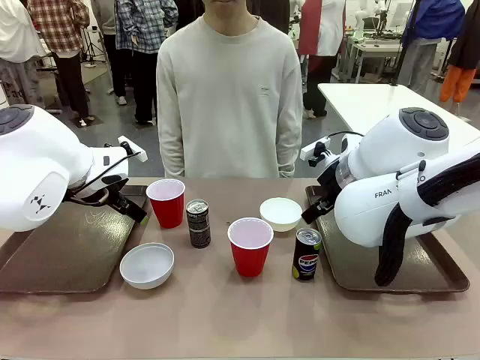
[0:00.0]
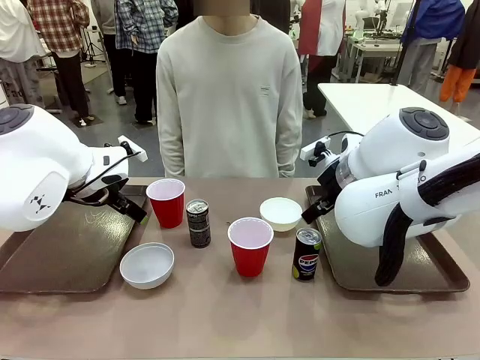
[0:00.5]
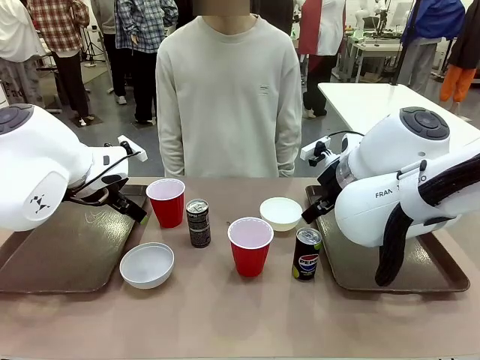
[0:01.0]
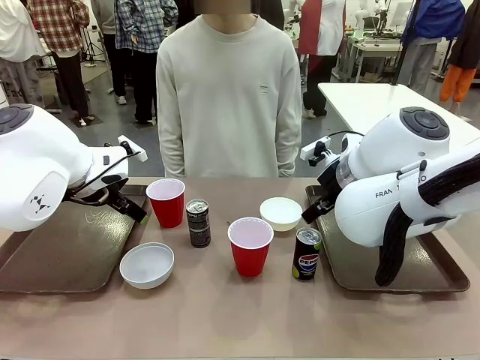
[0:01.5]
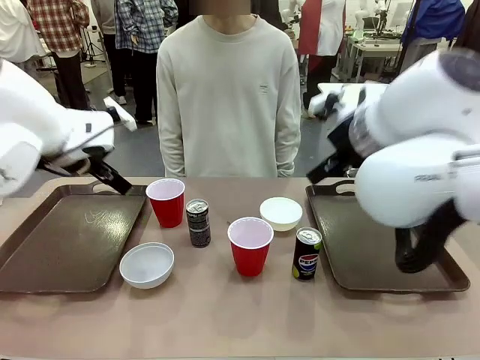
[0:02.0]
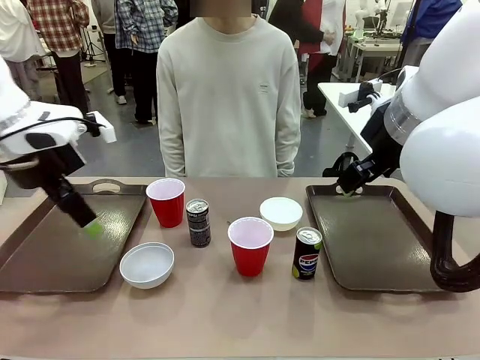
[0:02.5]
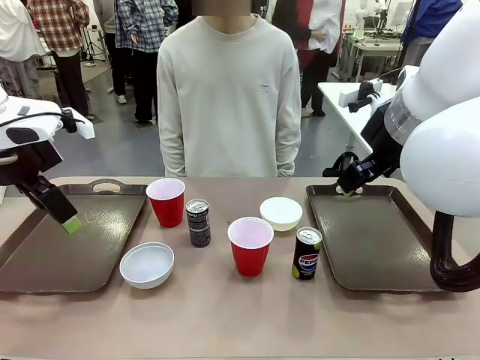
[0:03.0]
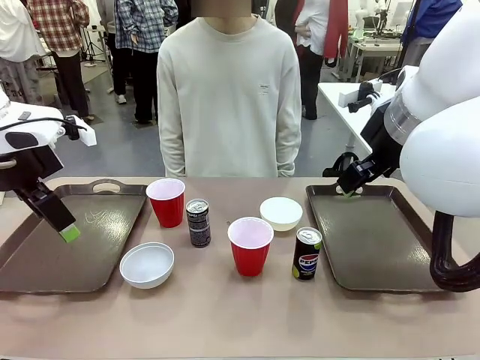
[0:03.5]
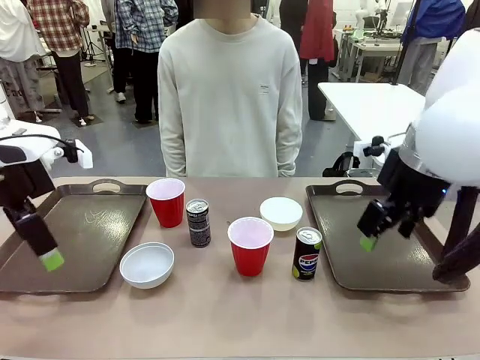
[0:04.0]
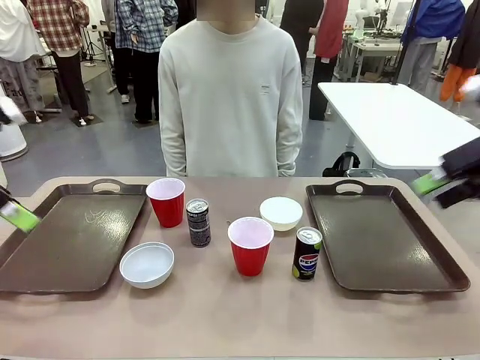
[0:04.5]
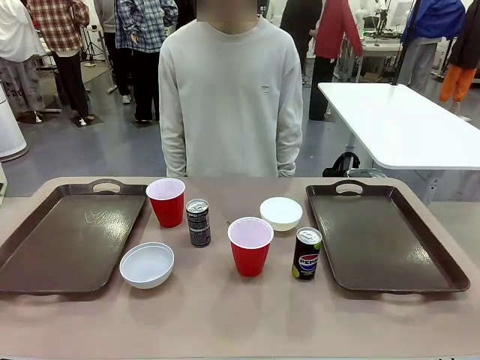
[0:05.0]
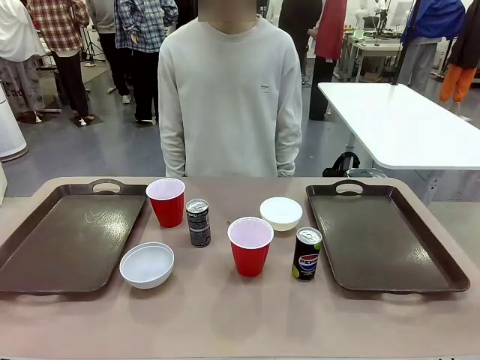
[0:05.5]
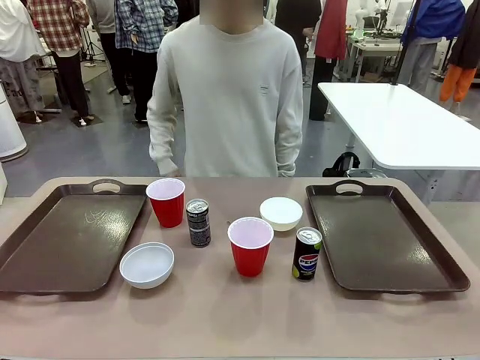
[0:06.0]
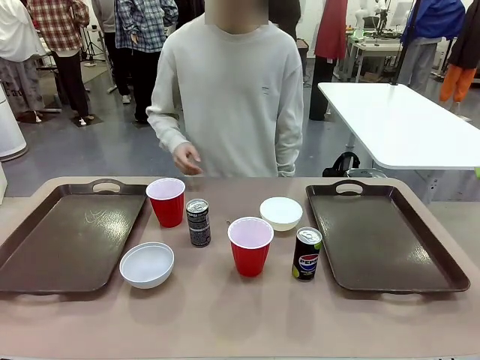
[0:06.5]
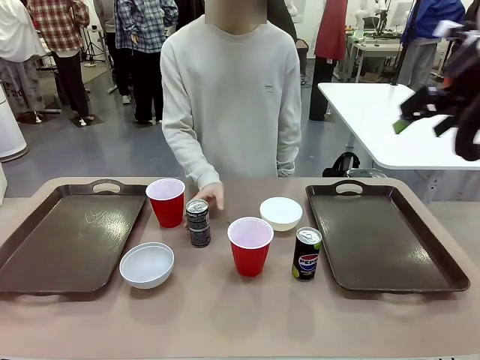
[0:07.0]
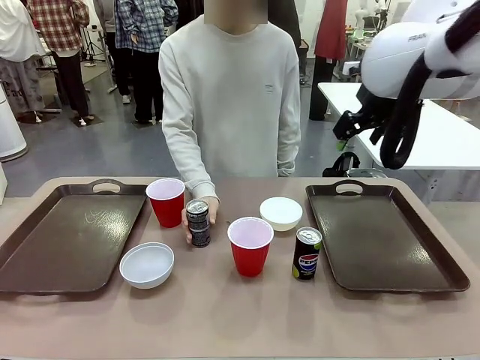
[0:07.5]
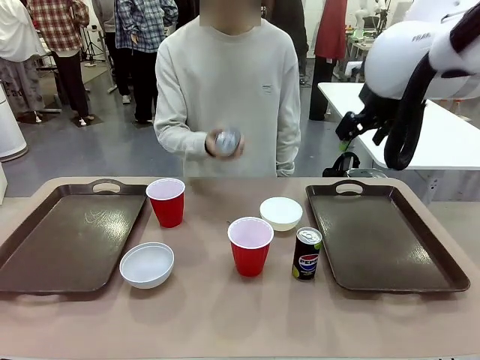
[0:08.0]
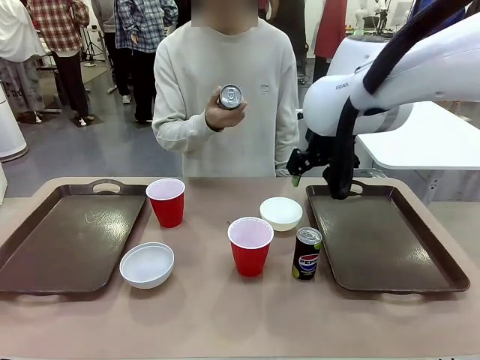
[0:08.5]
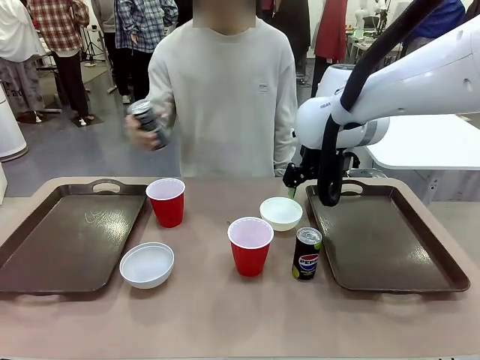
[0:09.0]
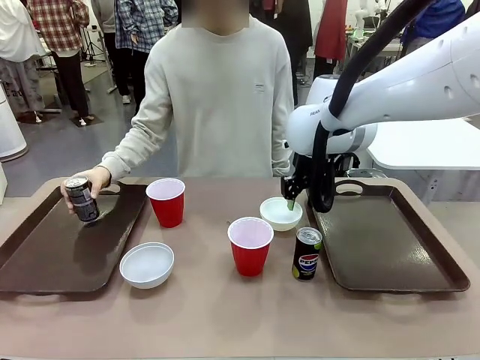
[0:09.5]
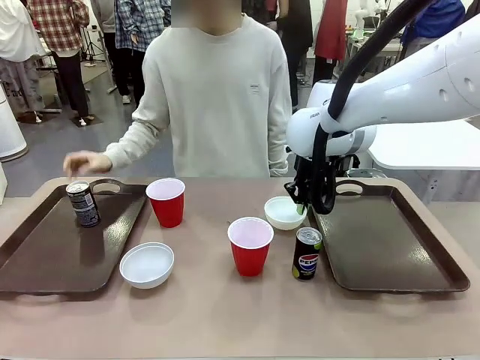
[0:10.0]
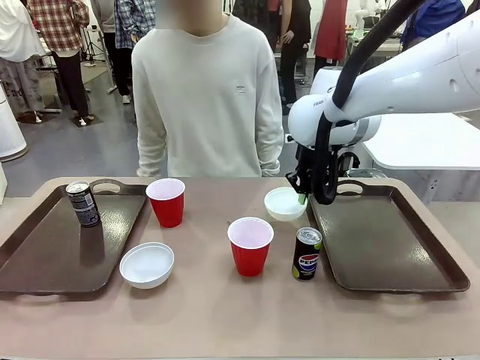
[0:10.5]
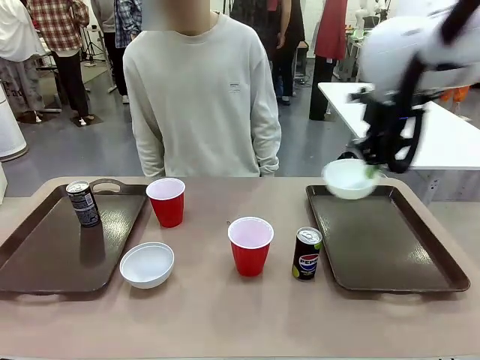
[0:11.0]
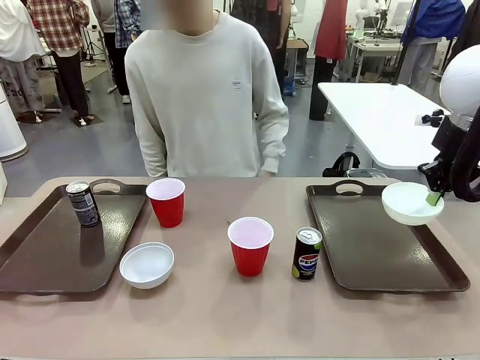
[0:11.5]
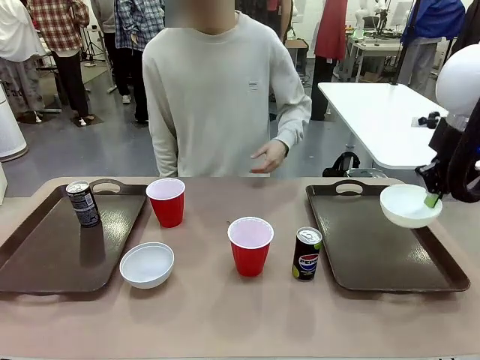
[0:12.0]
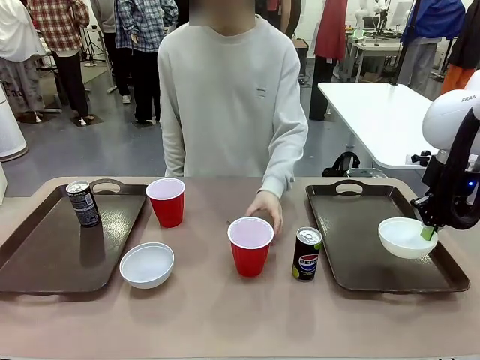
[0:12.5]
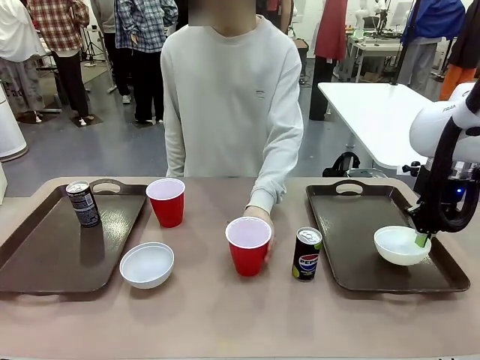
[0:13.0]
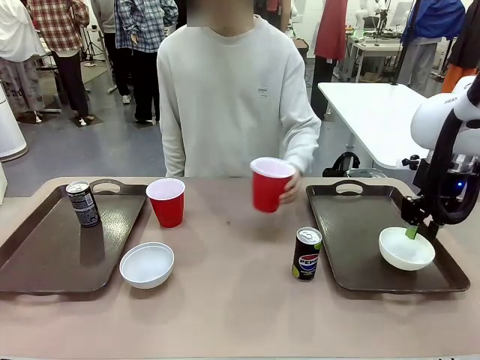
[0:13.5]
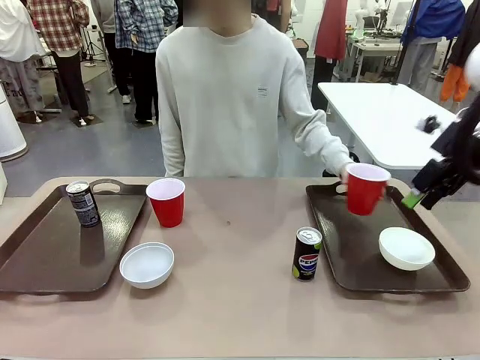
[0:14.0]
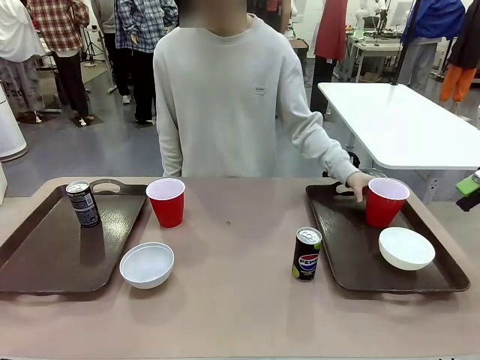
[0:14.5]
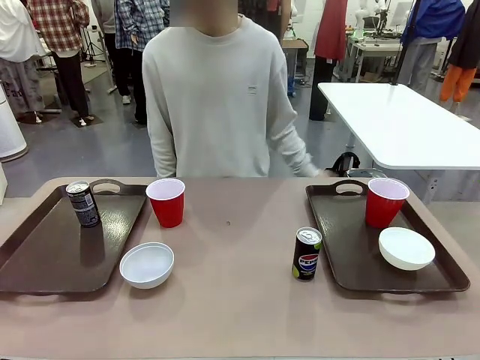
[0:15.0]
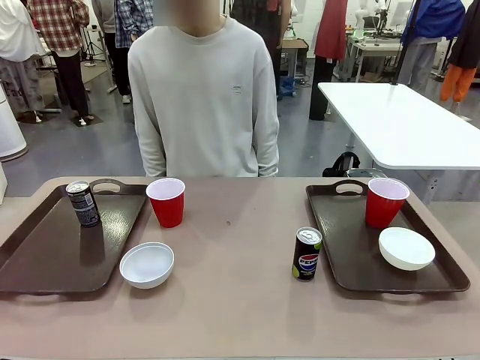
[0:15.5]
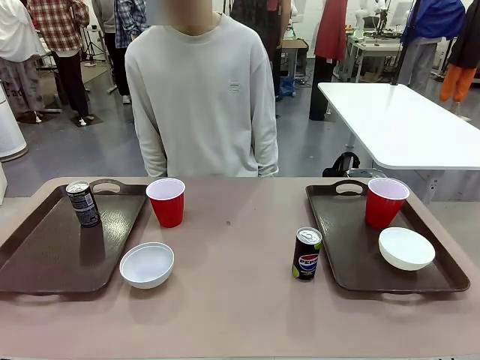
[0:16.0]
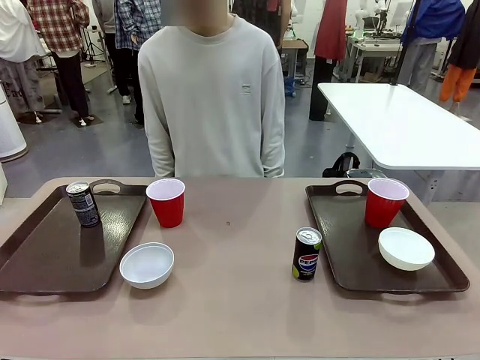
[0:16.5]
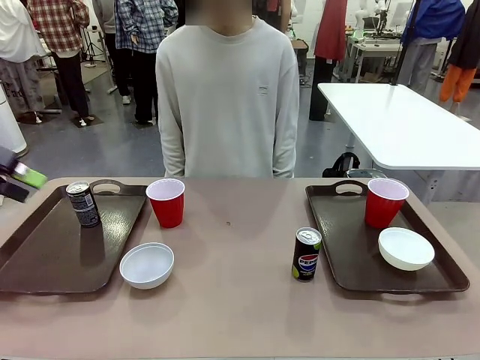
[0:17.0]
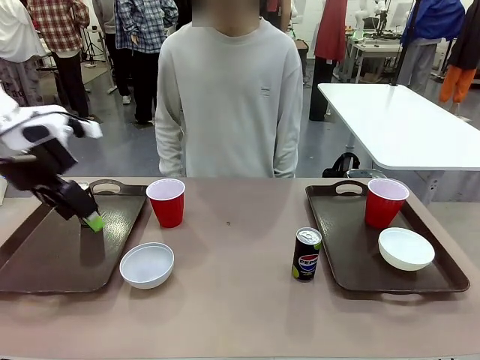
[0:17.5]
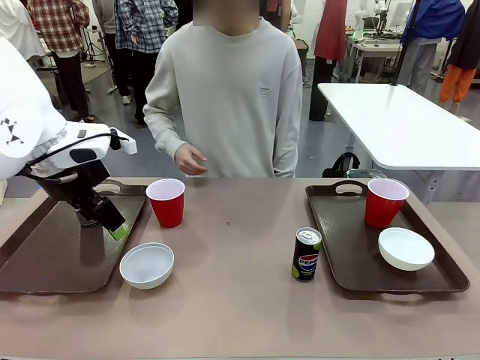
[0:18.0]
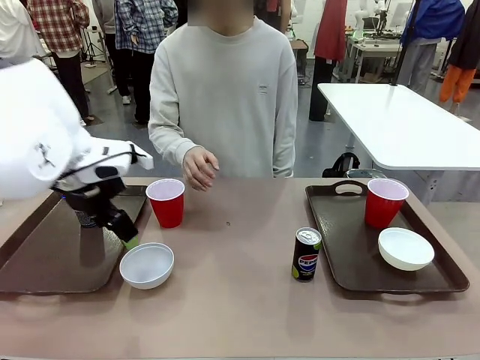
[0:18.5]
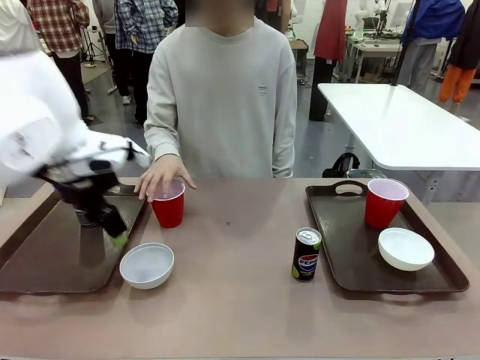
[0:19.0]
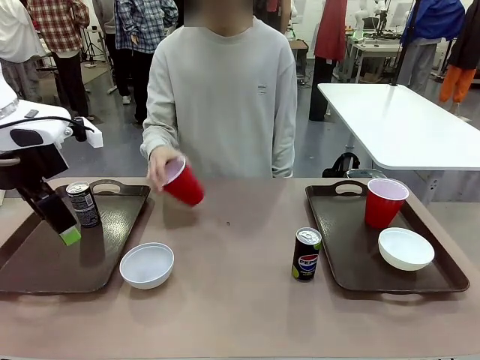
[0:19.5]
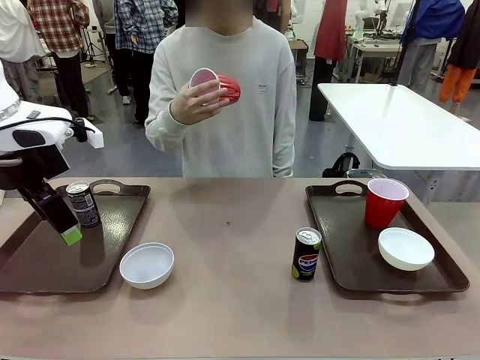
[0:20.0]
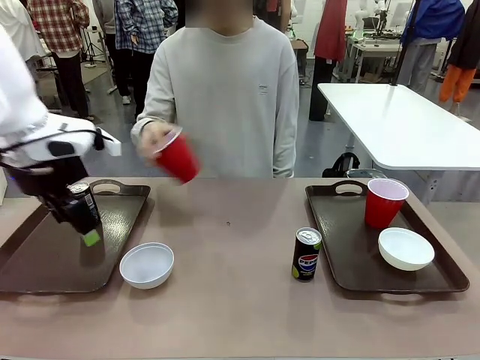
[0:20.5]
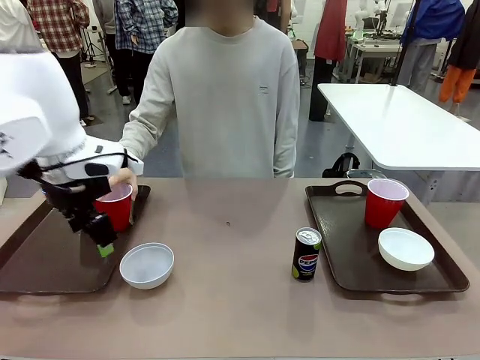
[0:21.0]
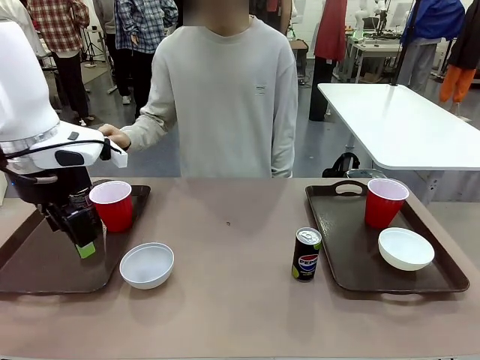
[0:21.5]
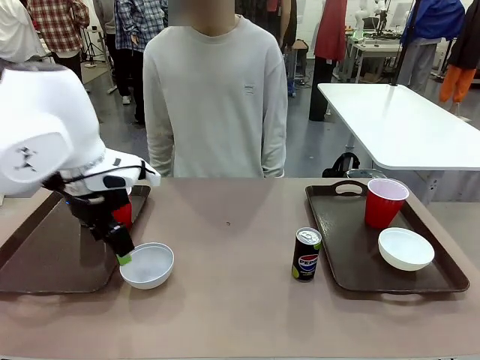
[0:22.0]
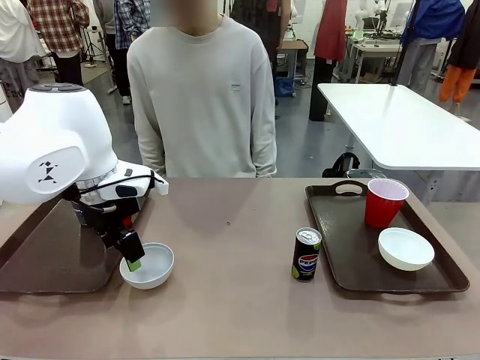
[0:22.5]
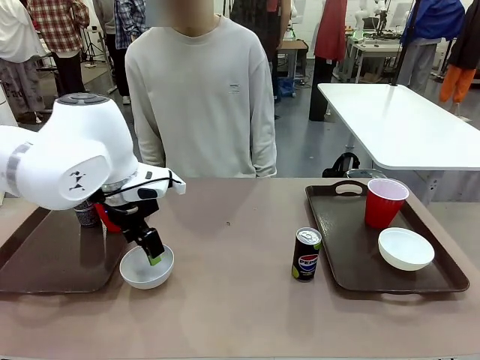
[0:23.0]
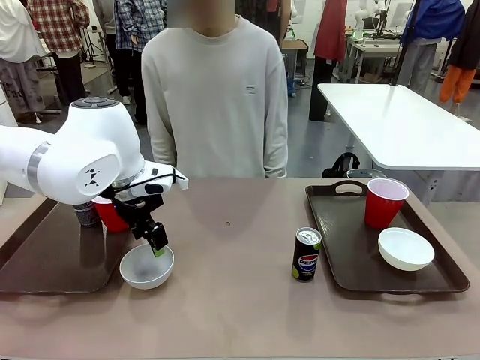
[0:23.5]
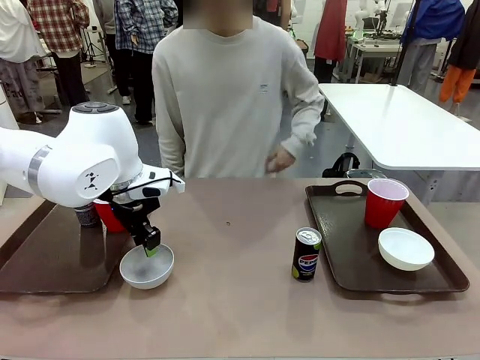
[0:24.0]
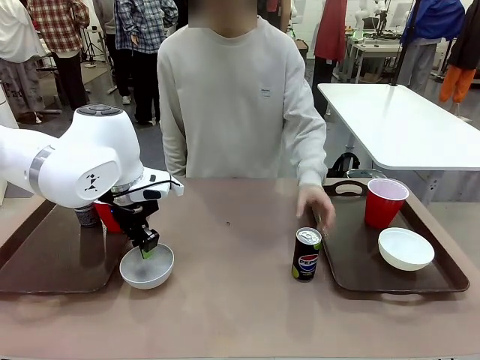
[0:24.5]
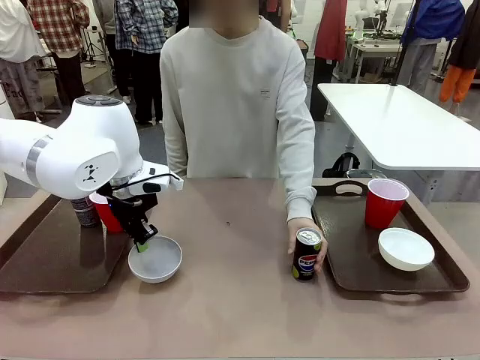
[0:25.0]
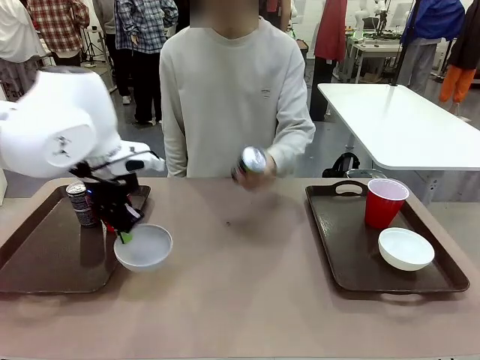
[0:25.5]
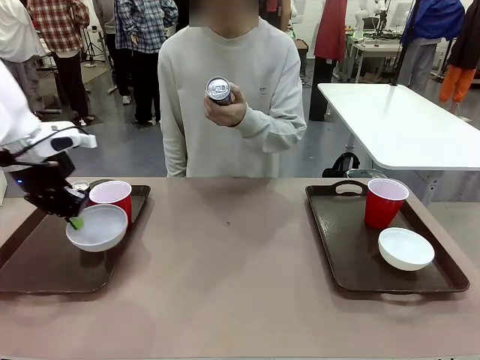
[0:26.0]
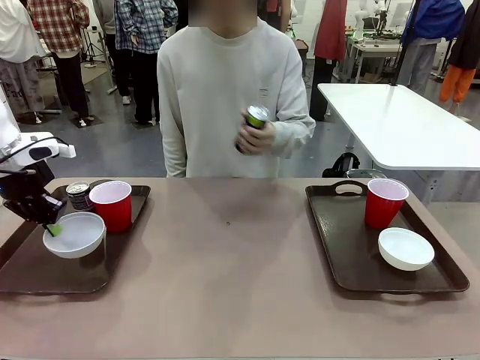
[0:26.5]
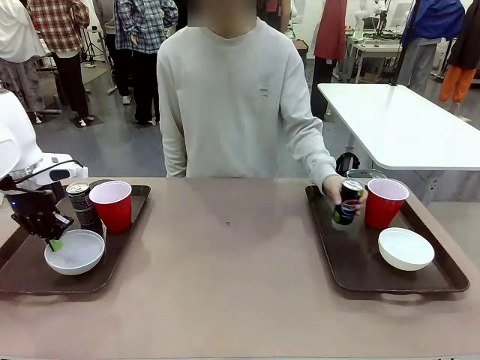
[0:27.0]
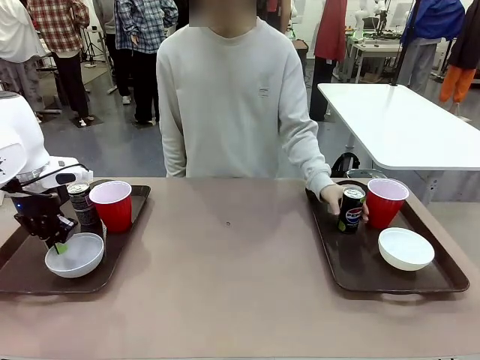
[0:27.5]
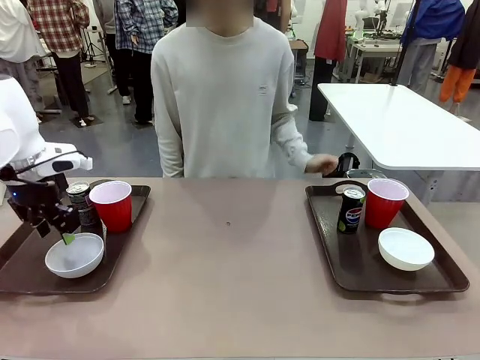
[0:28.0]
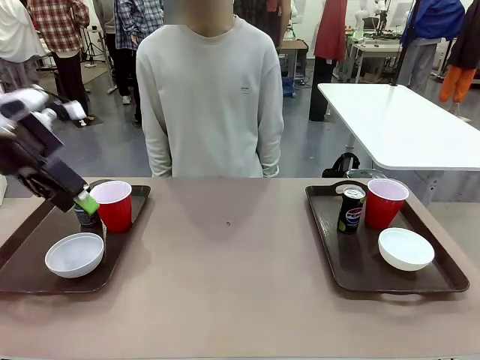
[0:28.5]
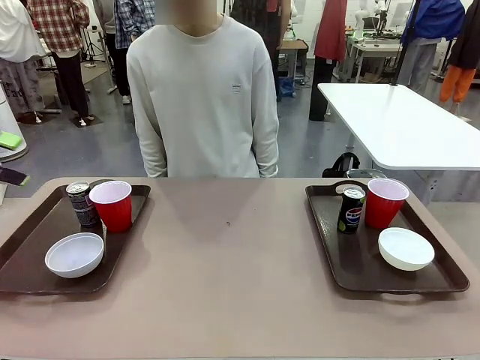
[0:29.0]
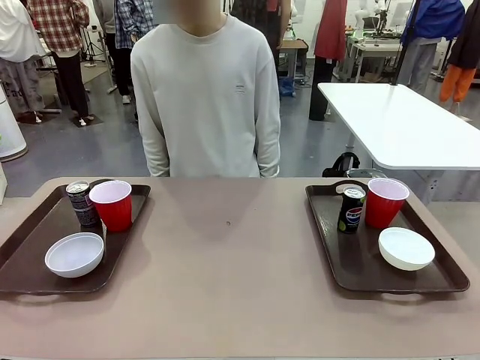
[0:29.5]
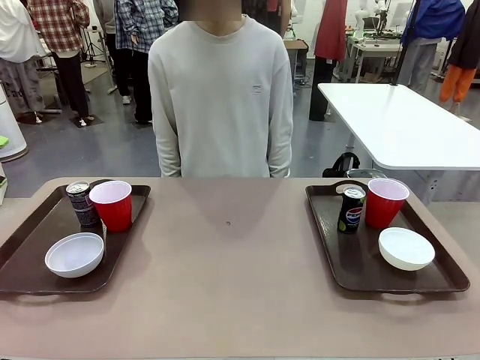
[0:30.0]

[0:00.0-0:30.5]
Task: Prepare tableware on both trays.
Robot: Pick up a Picnic Bowl from the table and place it on a Handle tray.
Person: Pick up a can or cup and place it on the tray. Pick up a can or cup and place it on the tray without a can or cup.
